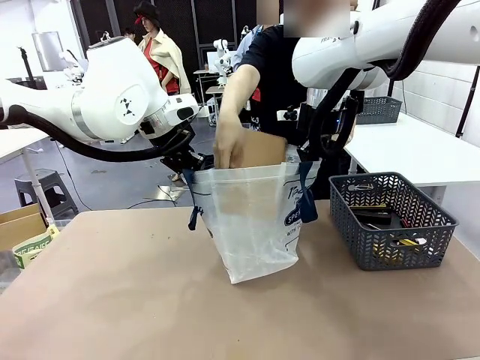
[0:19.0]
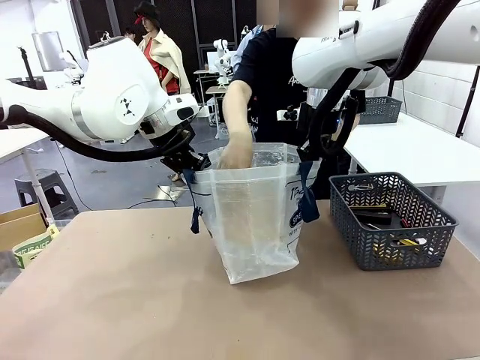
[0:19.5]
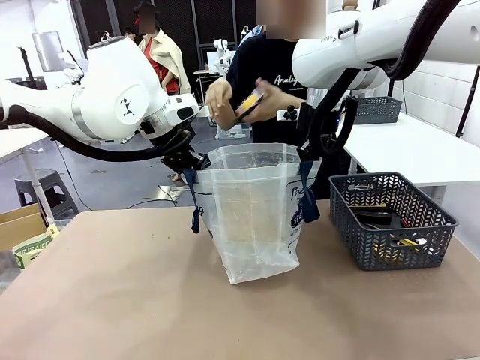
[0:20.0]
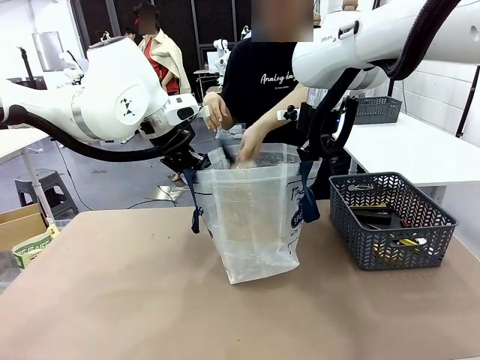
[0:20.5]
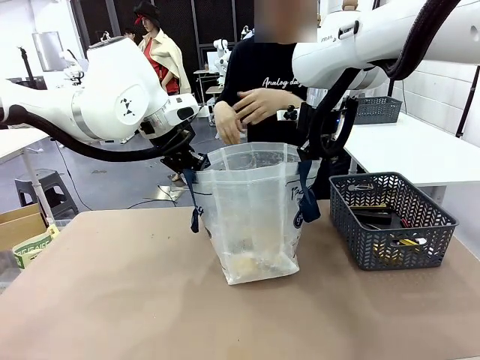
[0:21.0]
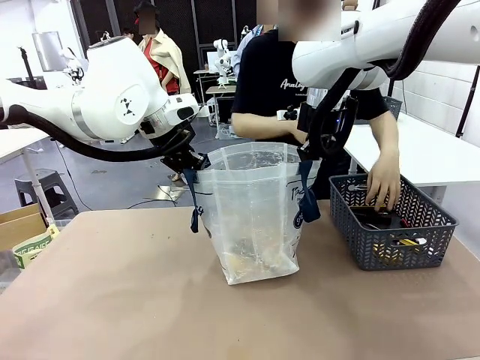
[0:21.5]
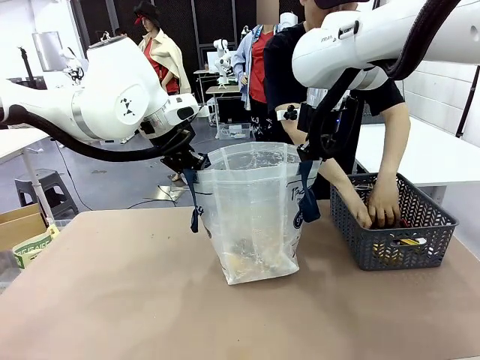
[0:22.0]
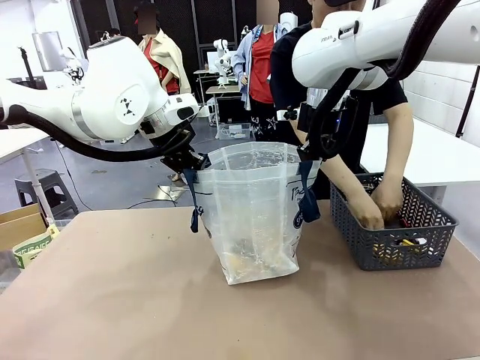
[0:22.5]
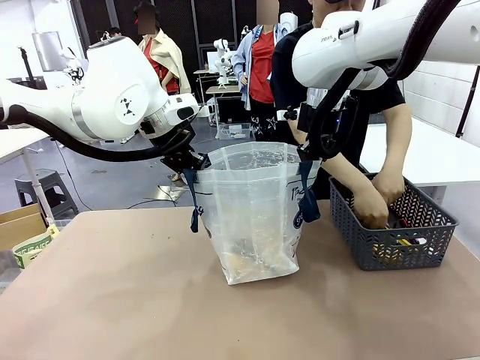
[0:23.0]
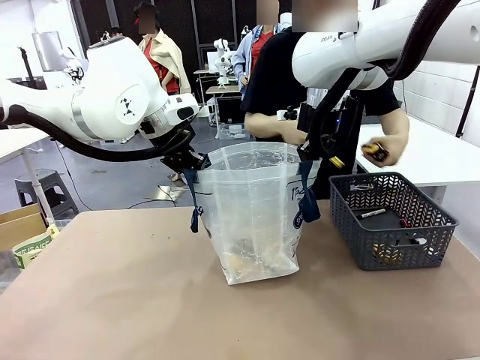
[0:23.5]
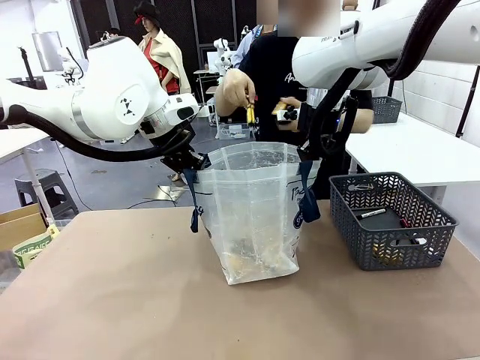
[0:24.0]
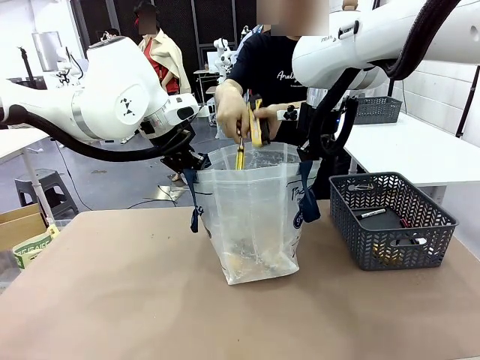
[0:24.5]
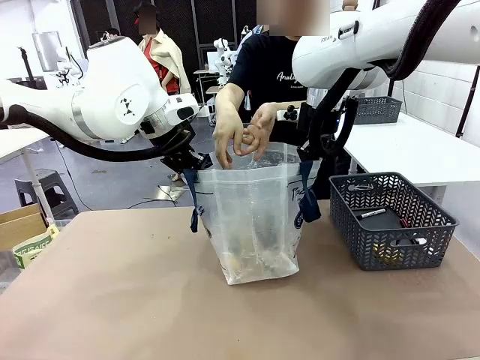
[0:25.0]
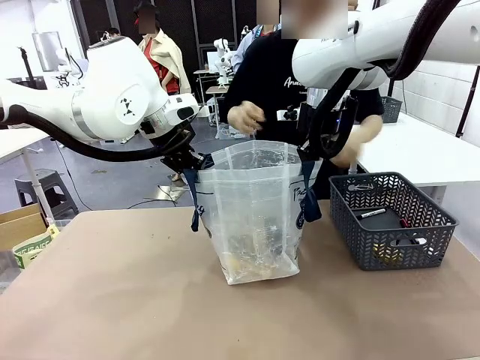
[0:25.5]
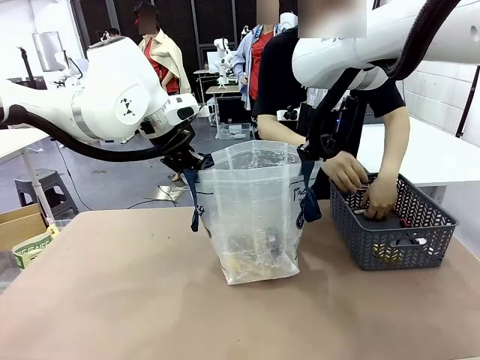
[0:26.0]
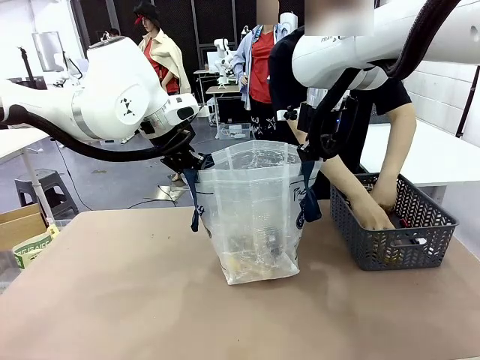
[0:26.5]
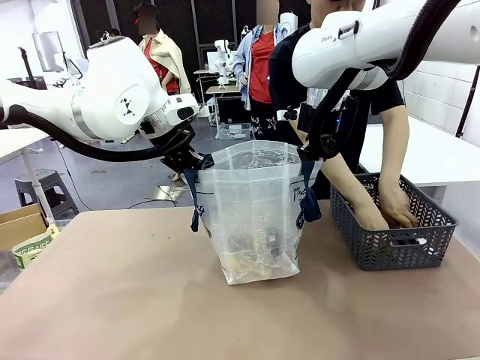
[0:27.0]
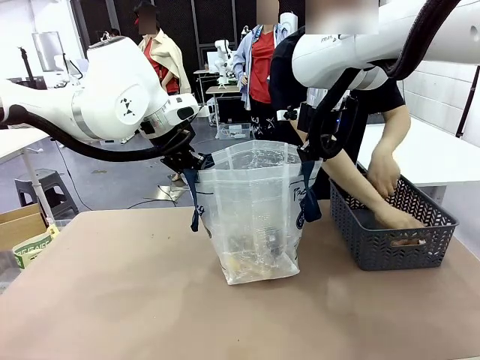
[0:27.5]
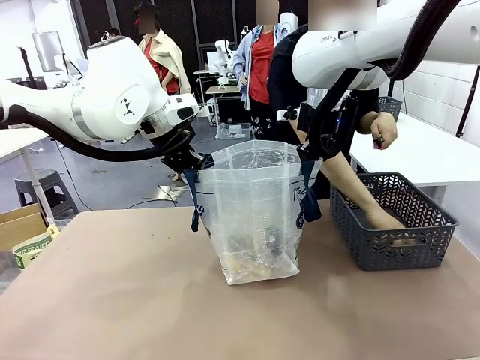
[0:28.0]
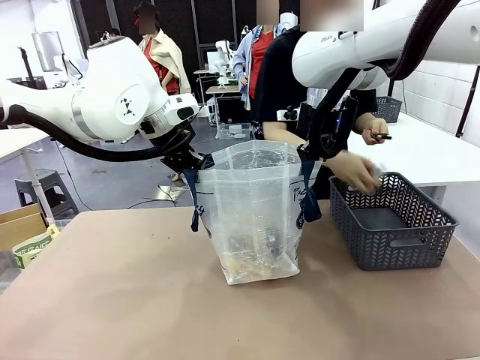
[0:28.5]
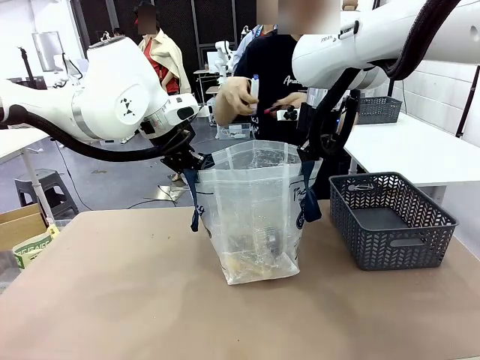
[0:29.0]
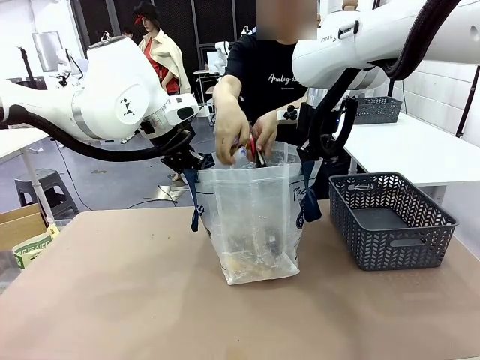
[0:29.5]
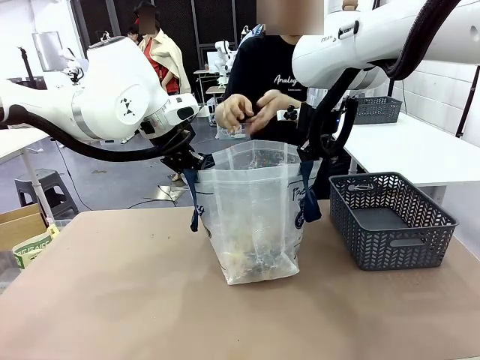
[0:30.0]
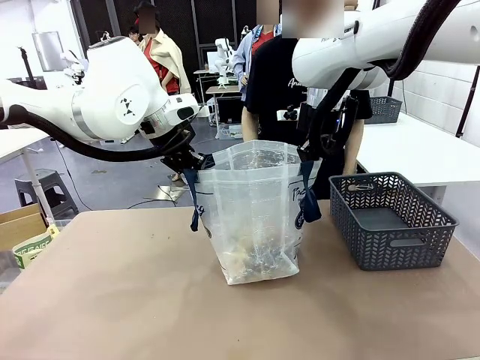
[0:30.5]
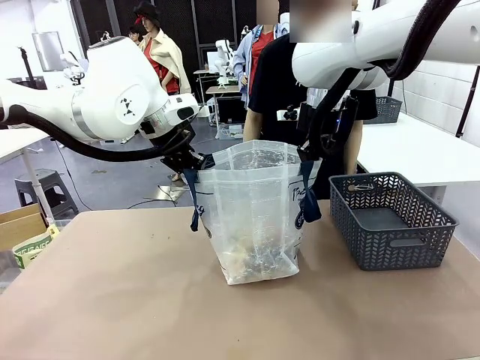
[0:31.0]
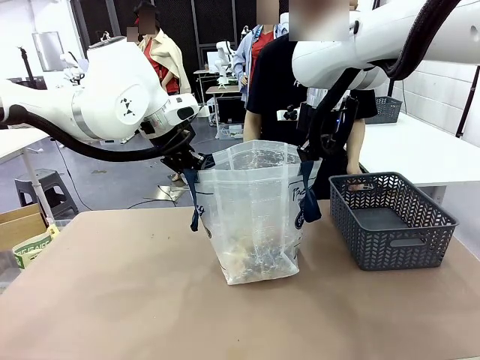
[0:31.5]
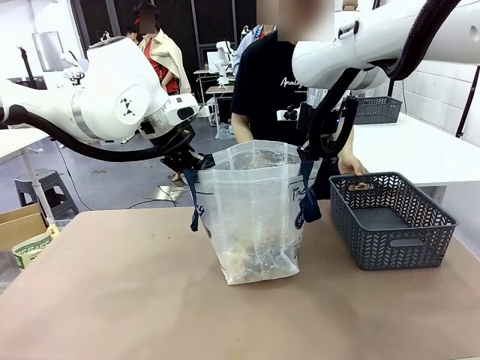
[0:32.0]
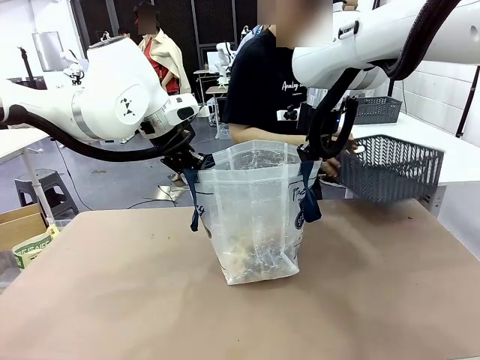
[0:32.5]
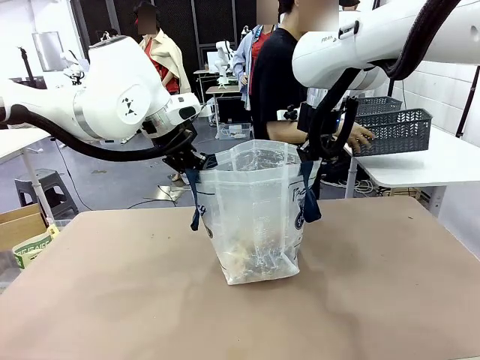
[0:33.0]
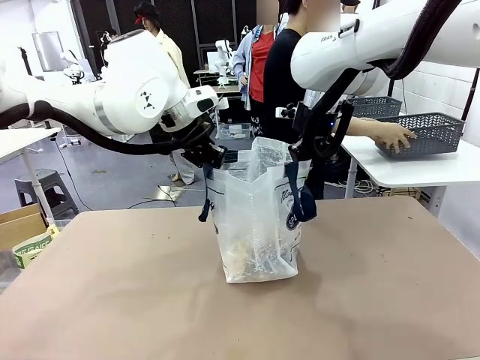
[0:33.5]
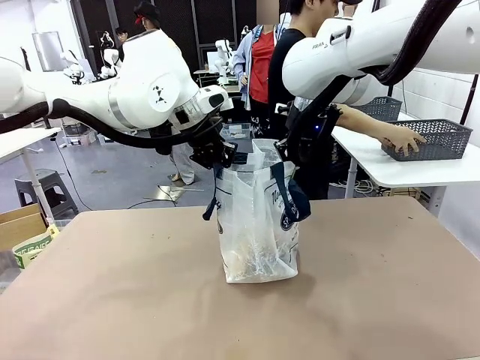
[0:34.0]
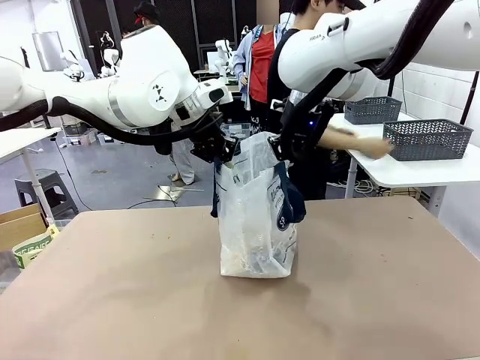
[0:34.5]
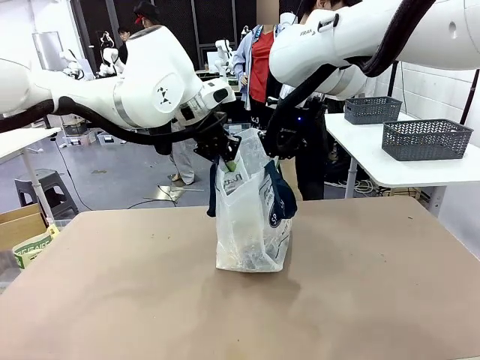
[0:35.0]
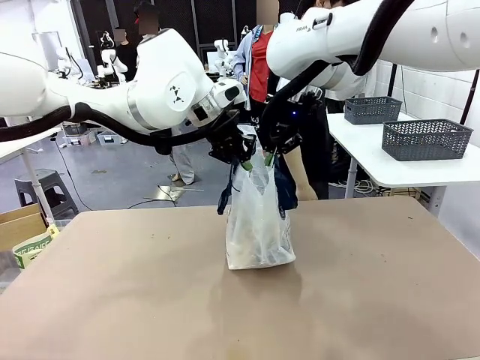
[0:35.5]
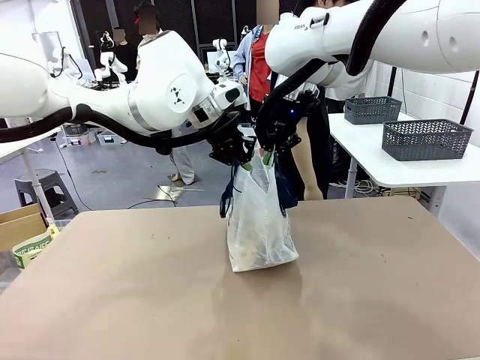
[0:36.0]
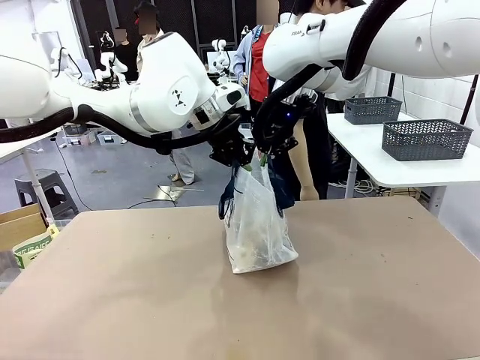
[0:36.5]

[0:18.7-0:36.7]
Task: Transfer purchased items from the store into the shopping bag.
Robot: Move the Reusable shopping bag to the right side of the table.
Person: Pick up the basket on the right, place it on the left side of the robot table, and move the items in the basket to the shopping bag. Pick up the basket with the items out and place it on the right side of the human table.
